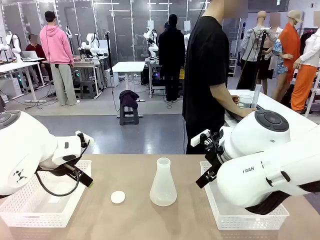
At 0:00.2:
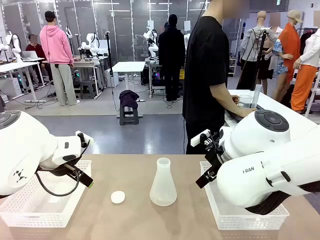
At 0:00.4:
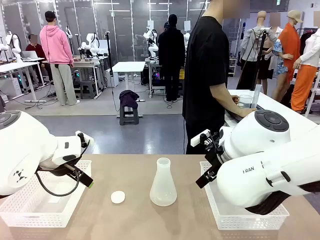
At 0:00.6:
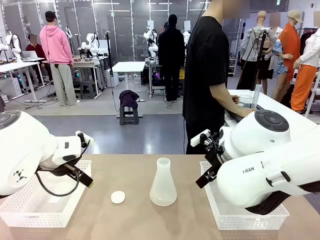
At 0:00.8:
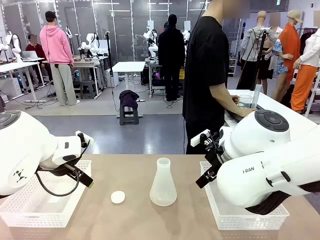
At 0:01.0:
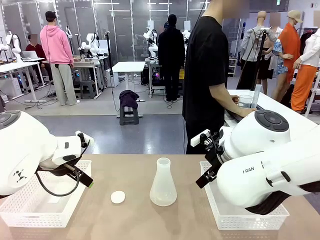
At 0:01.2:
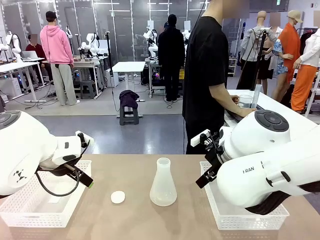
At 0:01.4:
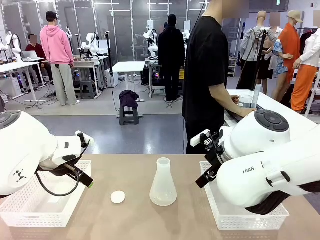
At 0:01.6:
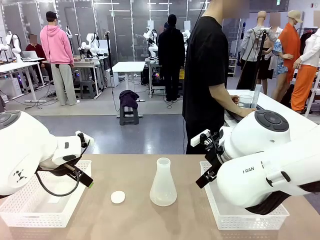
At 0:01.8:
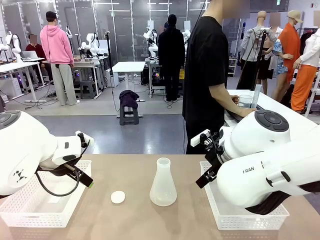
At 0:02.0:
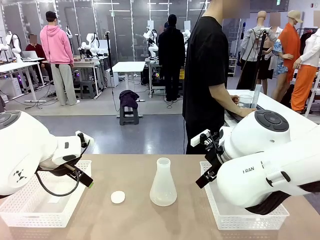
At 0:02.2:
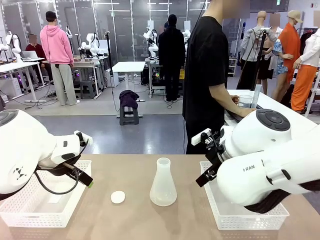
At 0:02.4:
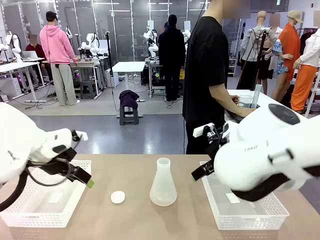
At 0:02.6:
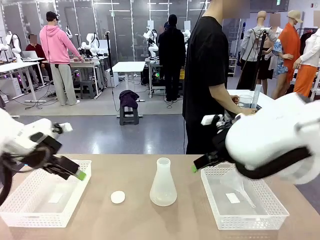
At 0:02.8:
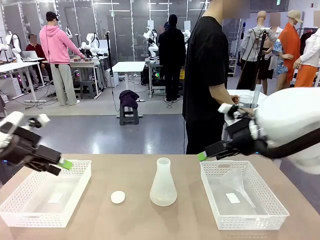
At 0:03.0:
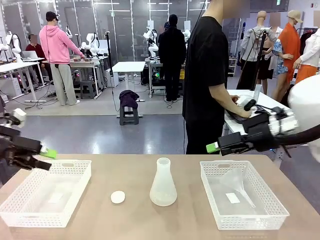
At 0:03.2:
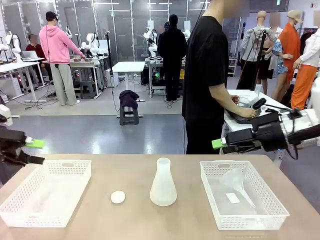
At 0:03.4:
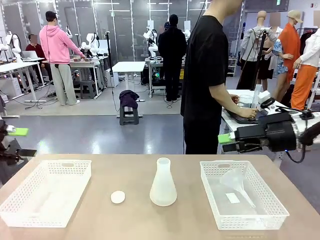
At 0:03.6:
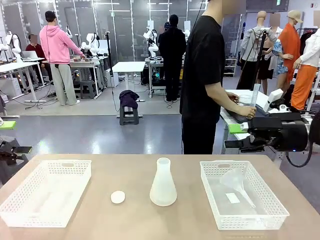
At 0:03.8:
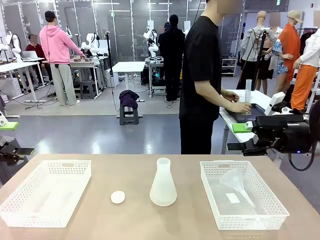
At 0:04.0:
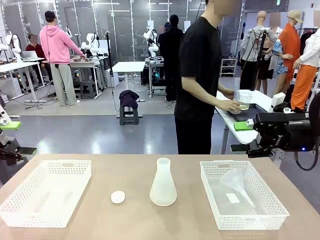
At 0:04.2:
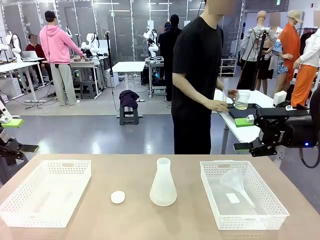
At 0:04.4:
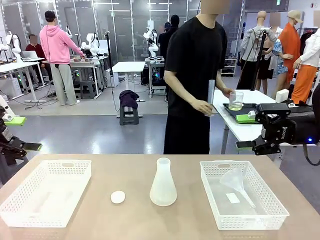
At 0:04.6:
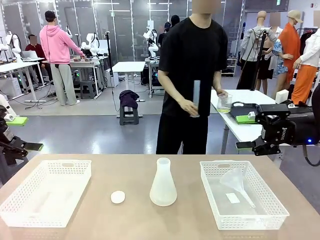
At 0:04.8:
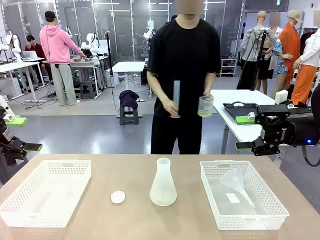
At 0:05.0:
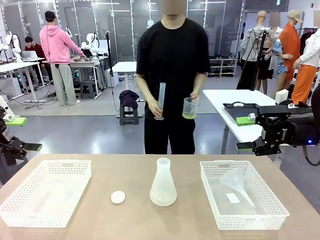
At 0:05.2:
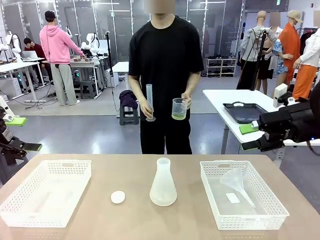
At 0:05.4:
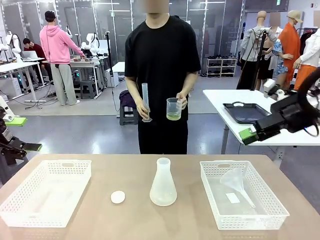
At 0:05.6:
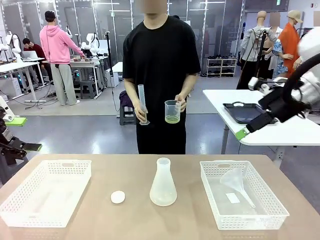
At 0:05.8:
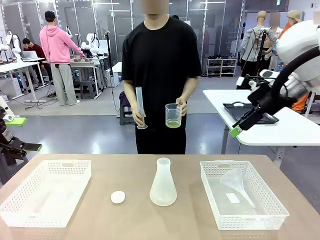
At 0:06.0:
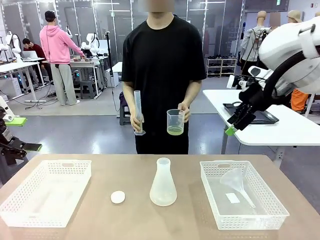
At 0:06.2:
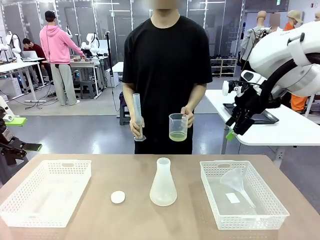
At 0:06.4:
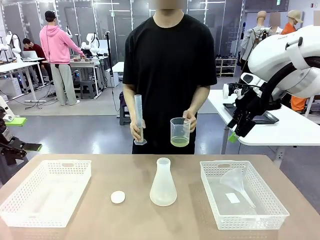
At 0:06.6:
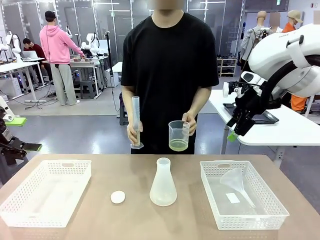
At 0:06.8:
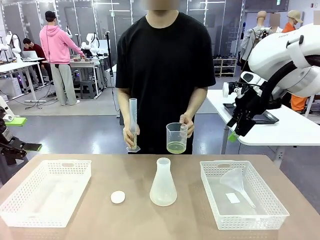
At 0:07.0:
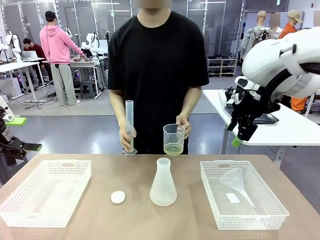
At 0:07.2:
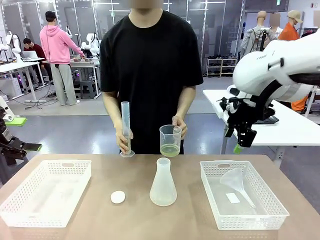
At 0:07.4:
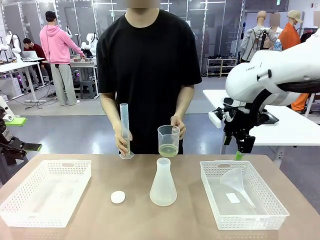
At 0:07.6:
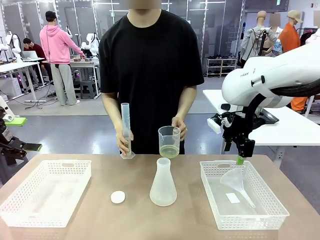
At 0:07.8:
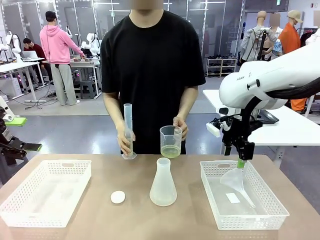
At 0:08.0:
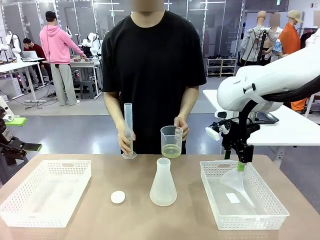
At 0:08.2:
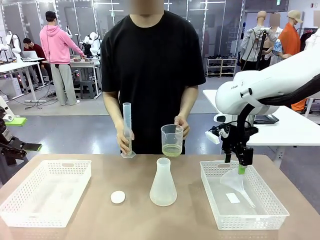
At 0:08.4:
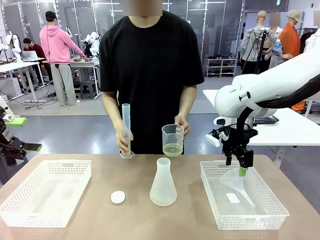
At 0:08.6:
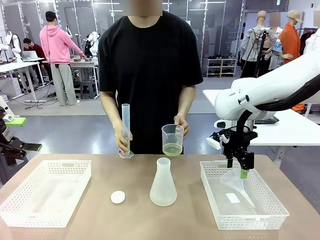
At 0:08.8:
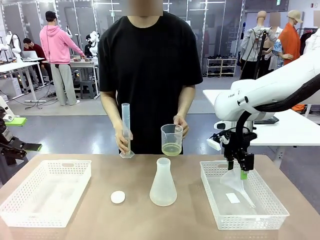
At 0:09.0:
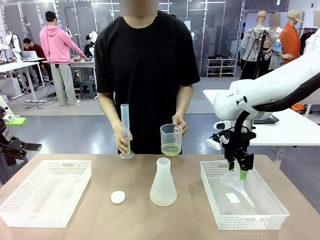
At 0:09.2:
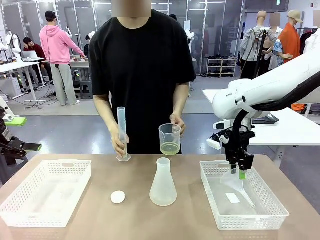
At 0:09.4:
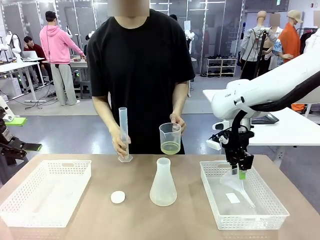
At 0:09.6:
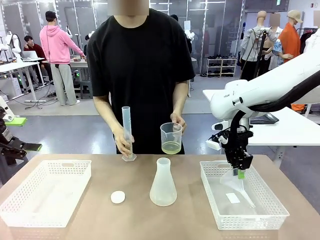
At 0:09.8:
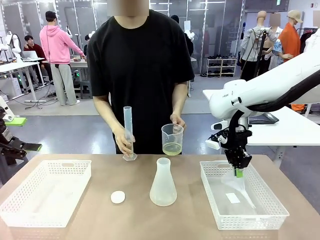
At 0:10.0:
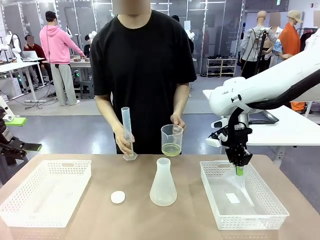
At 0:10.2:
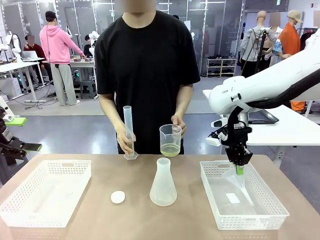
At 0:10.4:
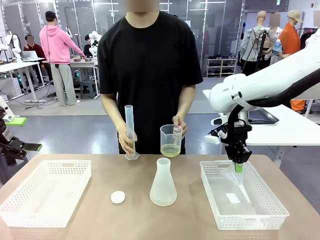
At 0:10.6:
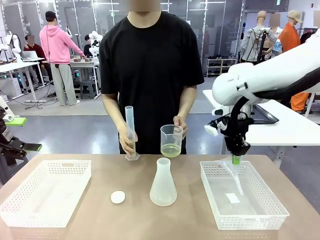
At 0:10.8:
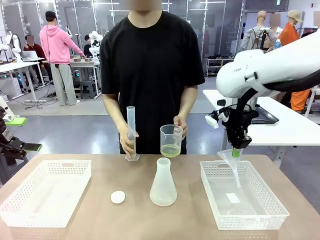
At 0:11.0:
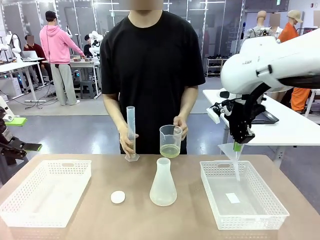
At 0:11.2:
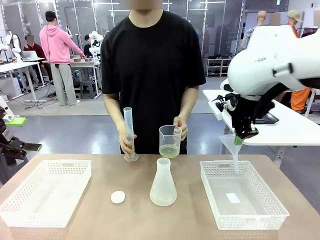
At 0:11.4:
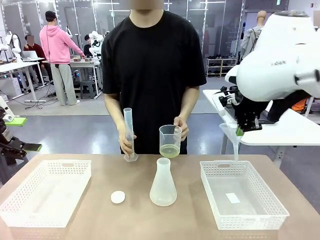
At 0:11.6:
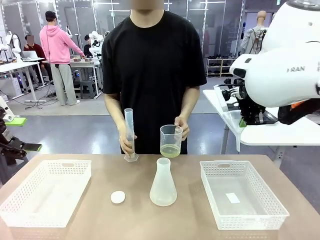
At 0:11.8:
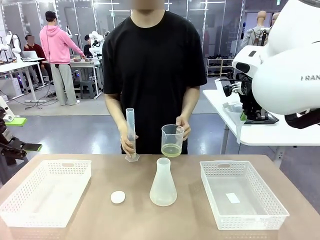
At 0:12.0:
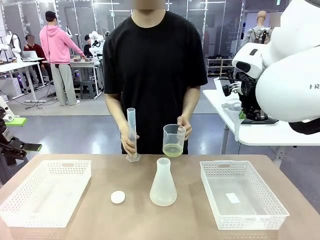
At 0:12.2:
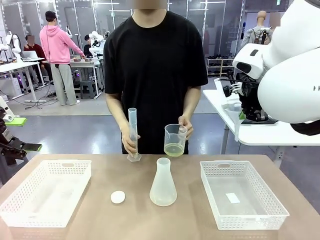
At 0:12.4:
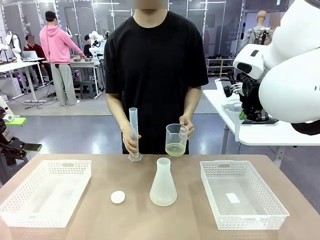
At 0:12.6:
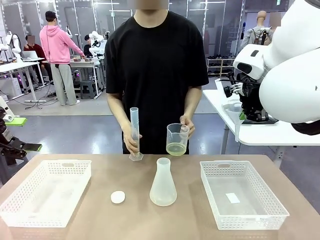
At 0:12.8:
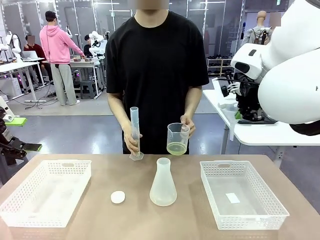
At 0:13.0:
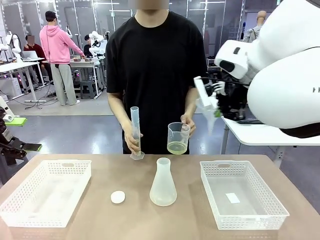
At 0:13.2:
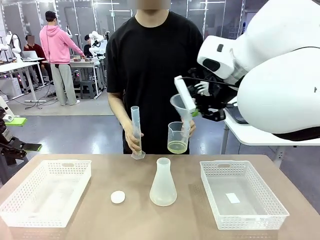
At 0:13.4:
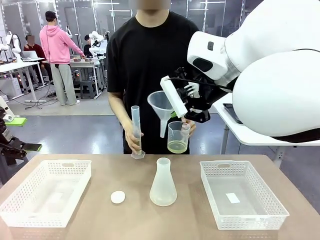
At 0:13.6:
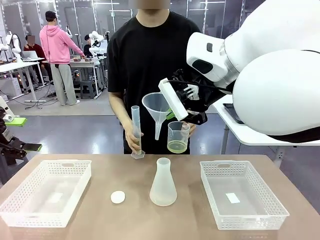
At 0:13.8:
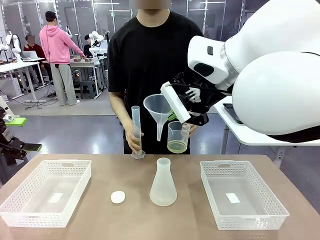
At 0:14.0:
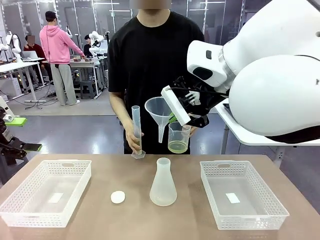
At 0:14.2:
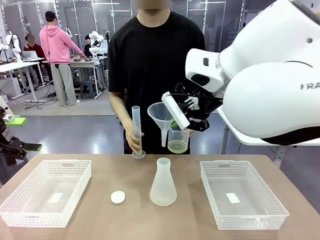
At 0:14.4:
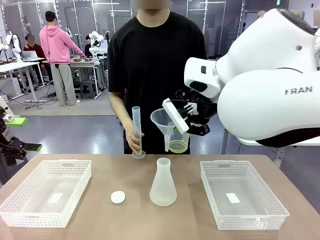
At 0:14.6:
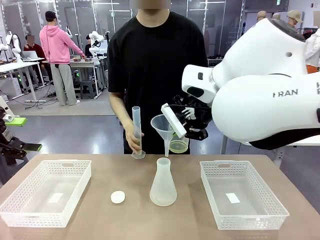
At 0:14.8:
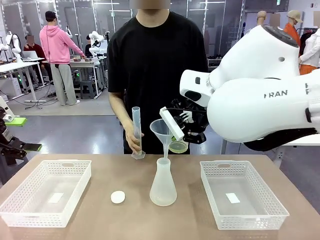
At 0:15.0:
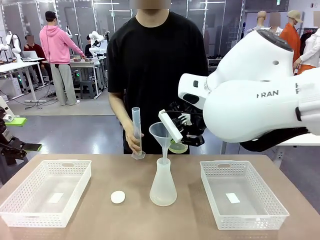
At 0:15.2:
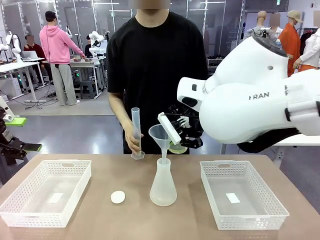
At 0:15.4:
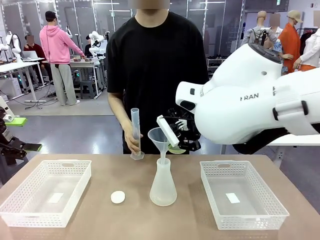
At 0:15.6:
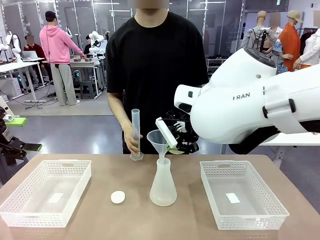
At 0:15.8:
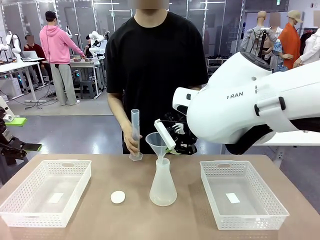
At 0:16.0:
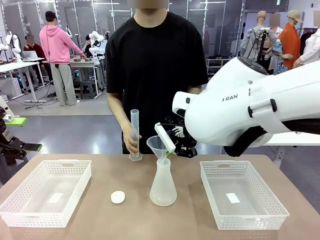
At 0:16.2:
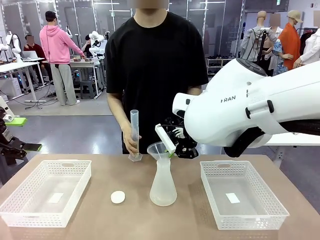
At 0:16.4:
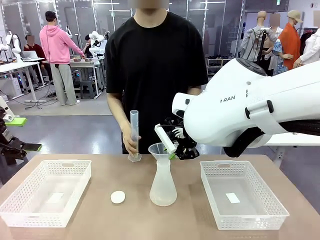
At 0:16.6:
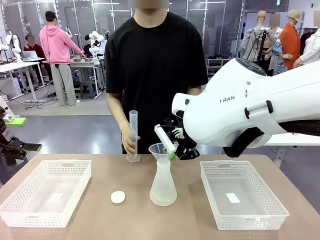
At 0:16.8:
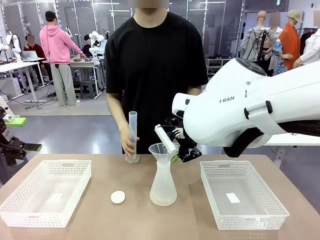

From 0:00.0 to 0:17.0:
Task: Prepare the solutions needed for the experiment.
Robot: Pick up the Plastic Funnel and insert it into the Big flask.
Person: Pick up the beaker and the cylinder and move to the middle of the robot table. Pour the solution from the beaker and the cylinder into the flask.
